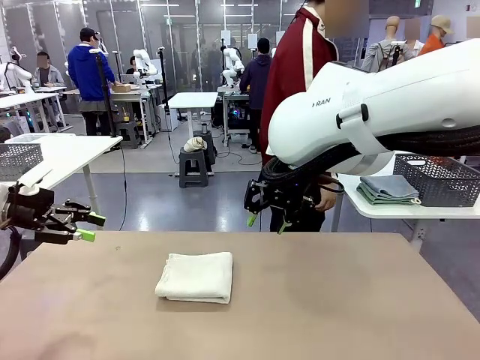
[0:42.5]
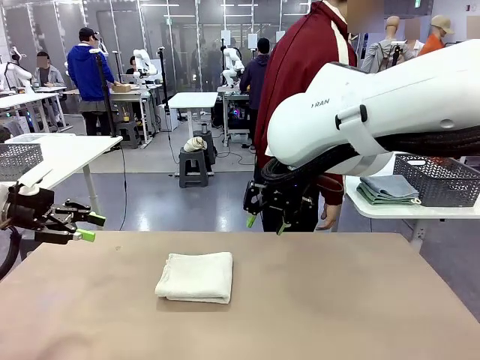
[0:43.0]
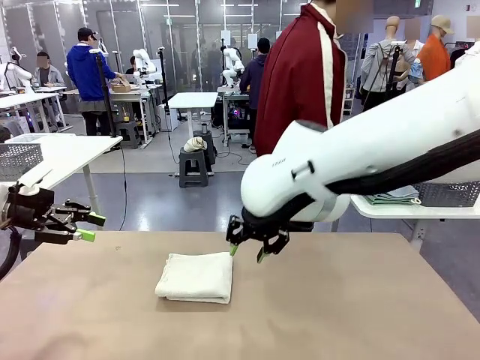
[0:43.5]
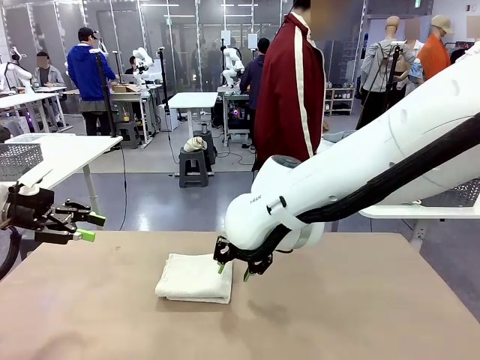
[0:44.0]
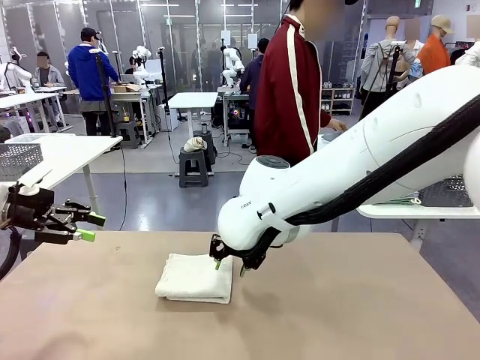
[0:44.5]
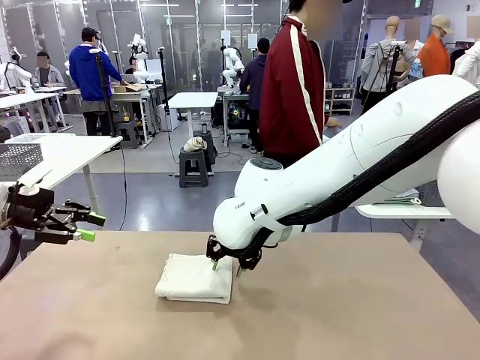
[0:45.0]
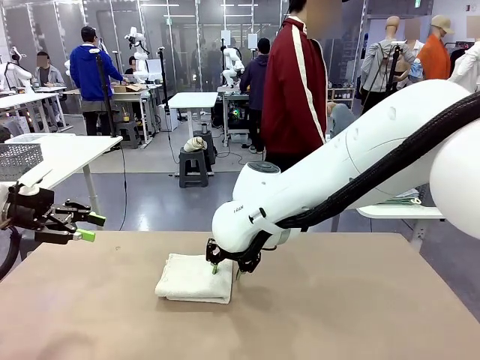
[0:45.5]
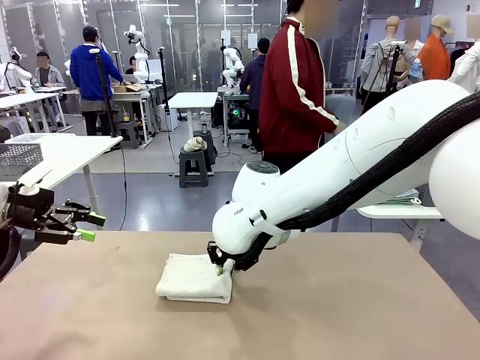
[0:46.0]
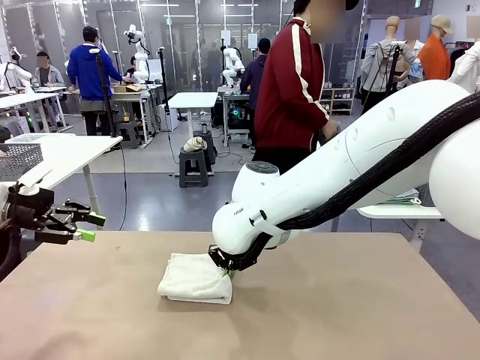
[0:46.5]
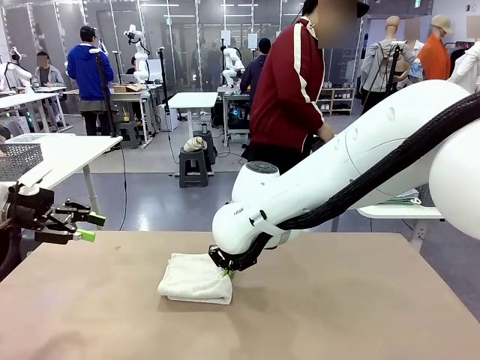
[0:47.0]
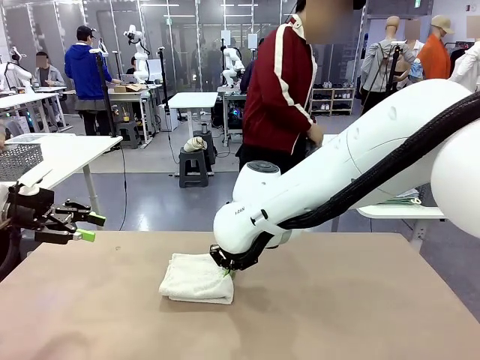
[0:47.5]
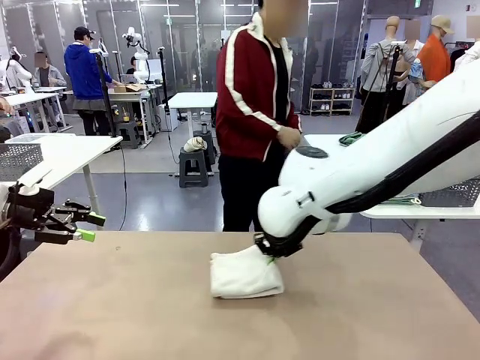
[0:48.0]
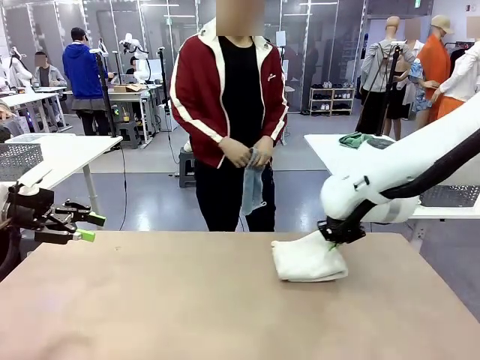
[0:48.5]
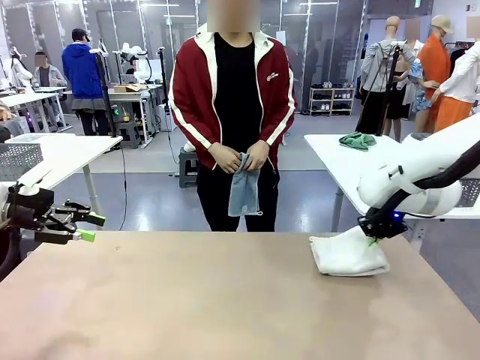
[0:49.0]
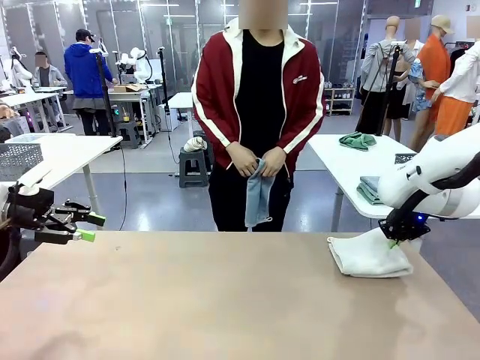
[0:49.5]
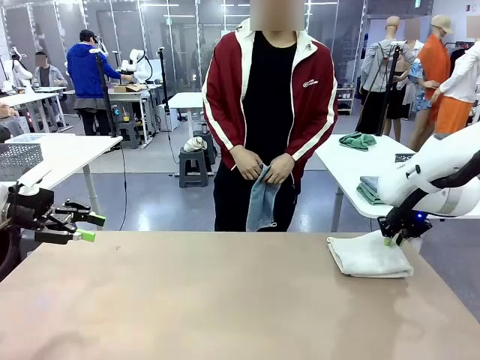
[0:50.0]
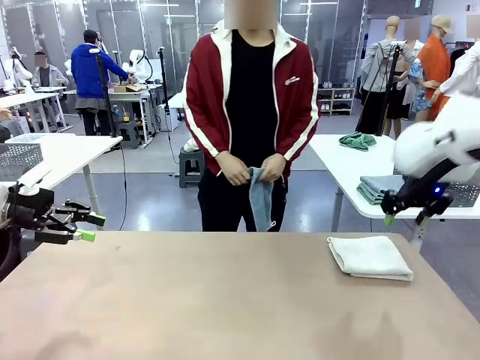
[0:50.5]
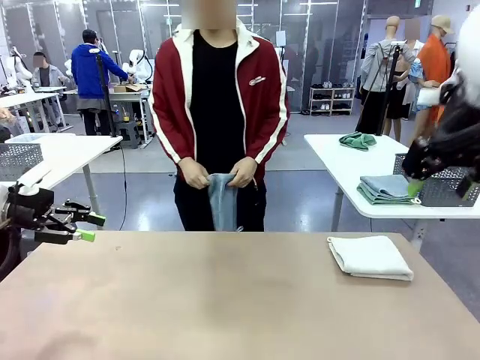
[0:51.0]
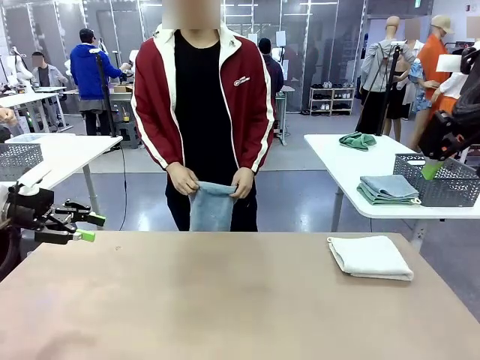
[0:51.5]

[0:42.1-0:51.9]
Task: Fold the towels and place them in the basket.
Robot: Place the folded Towel with hook on the right side of the table.
Person: Pick up one towel from the left side of the human table and spread it out at the center of the robot table.

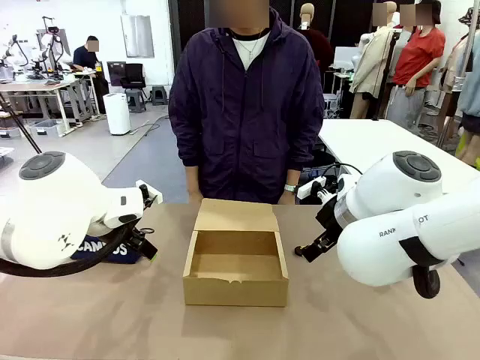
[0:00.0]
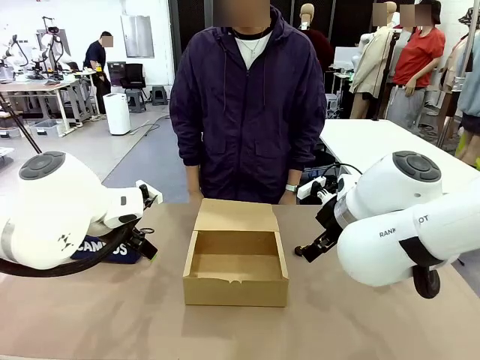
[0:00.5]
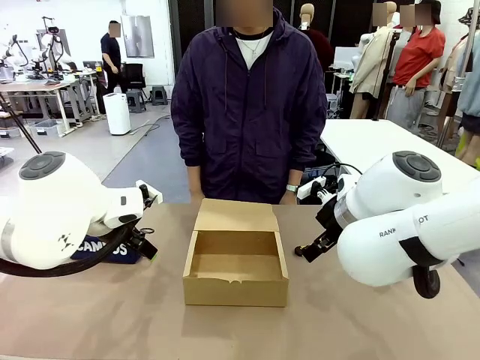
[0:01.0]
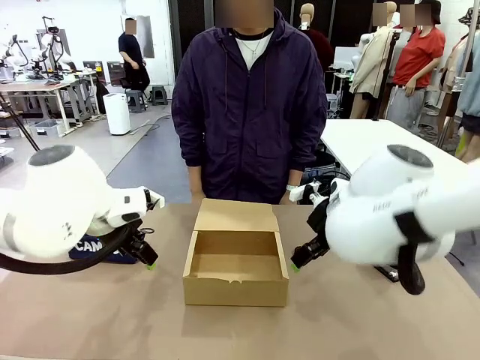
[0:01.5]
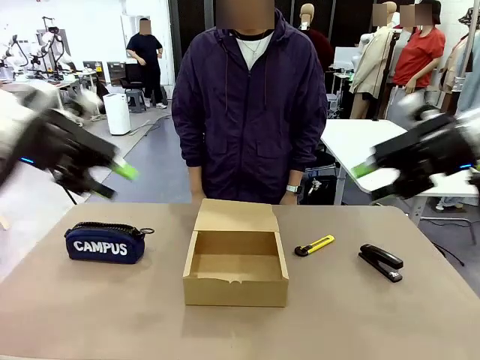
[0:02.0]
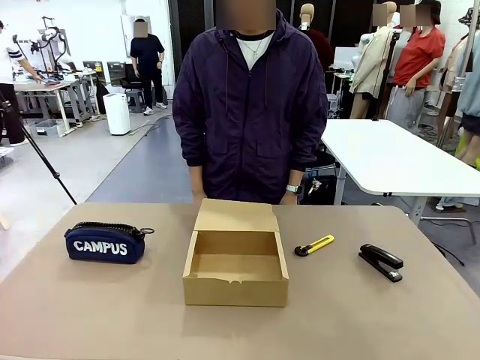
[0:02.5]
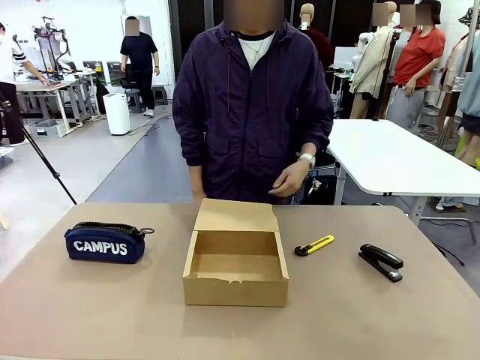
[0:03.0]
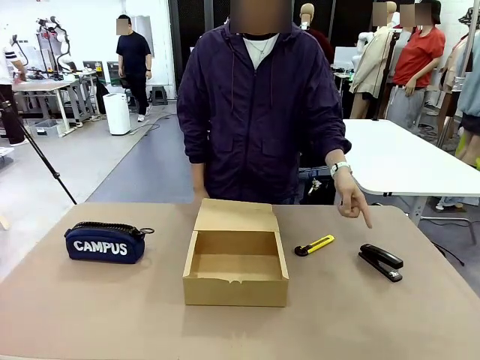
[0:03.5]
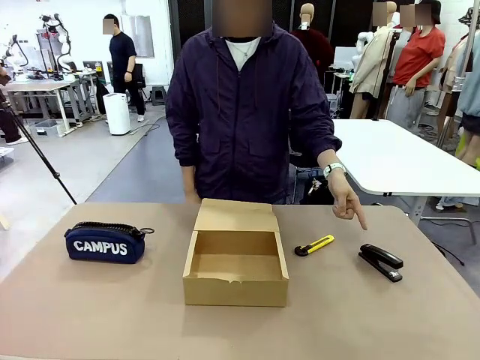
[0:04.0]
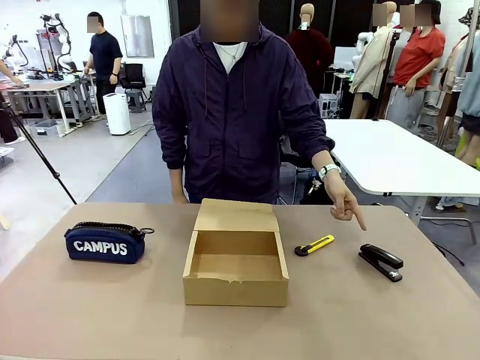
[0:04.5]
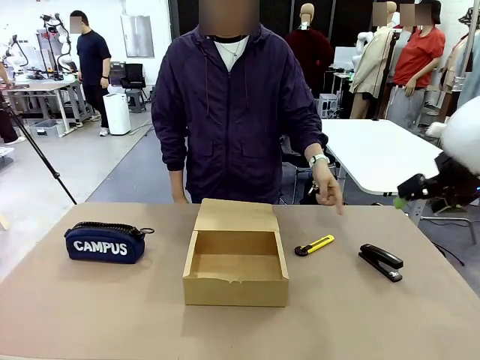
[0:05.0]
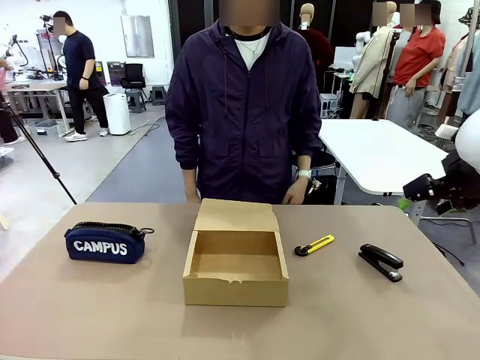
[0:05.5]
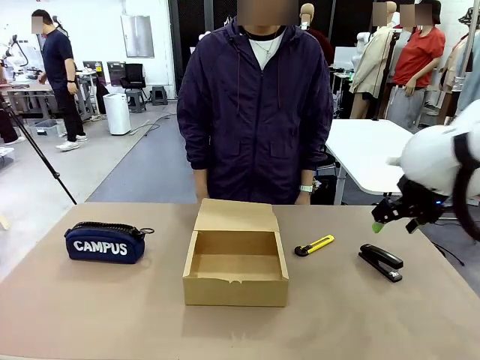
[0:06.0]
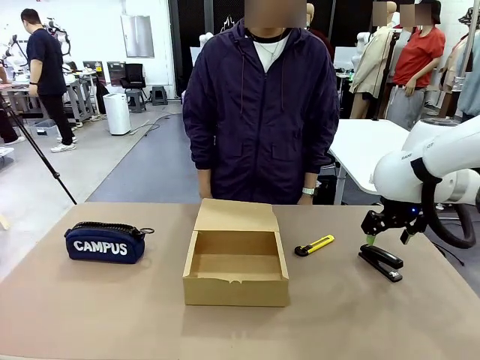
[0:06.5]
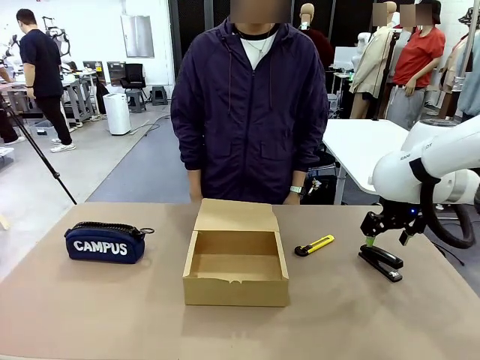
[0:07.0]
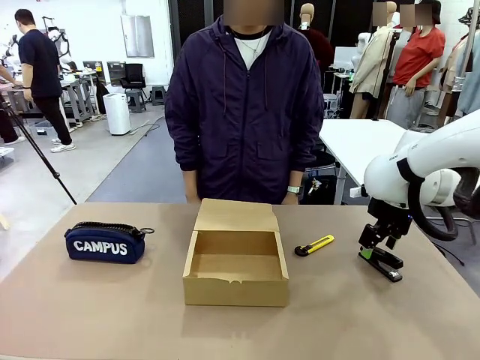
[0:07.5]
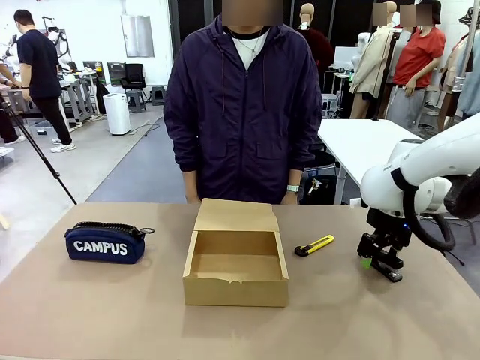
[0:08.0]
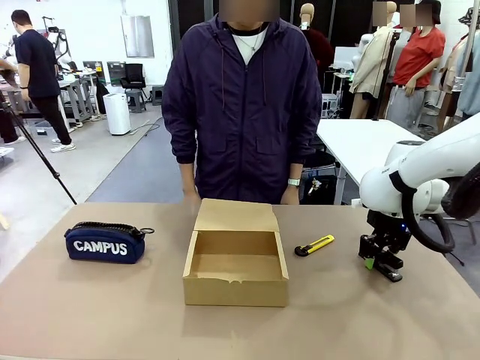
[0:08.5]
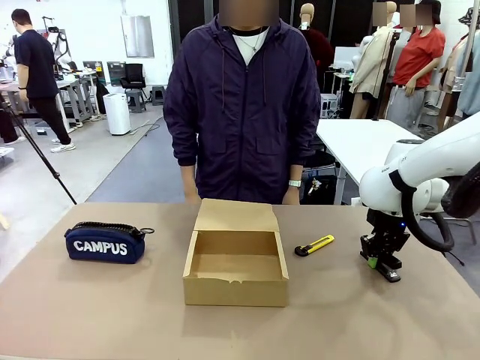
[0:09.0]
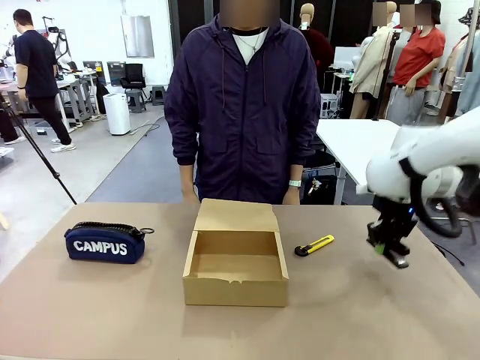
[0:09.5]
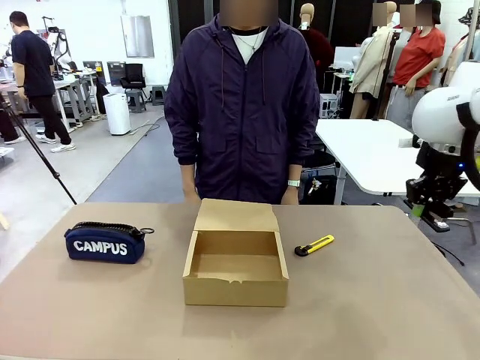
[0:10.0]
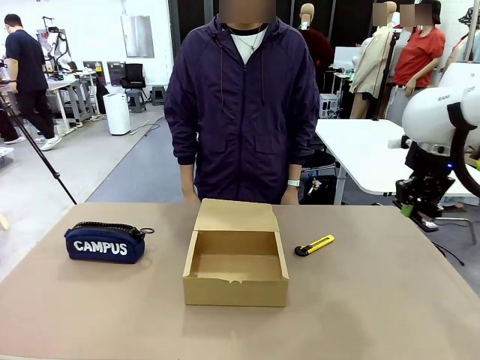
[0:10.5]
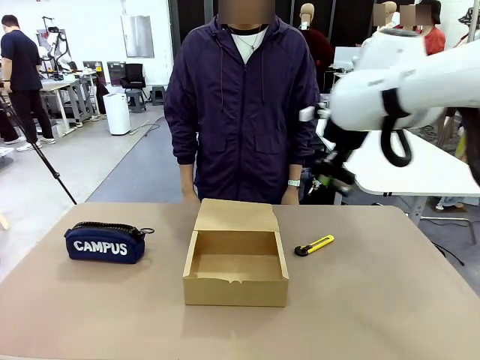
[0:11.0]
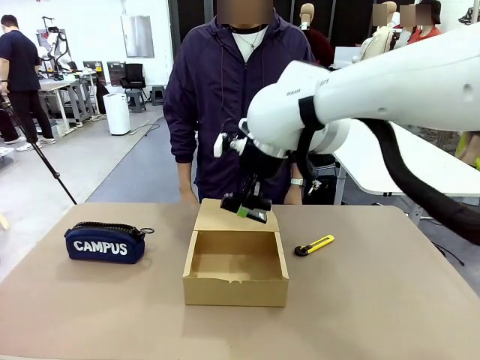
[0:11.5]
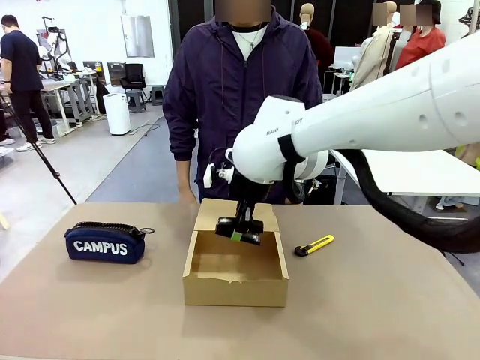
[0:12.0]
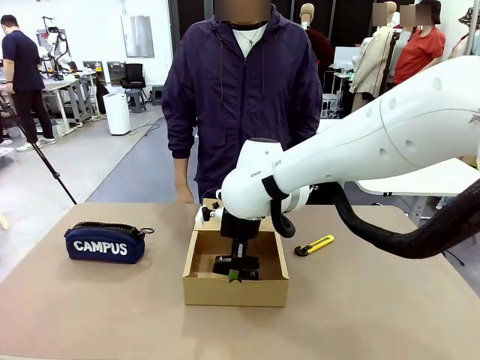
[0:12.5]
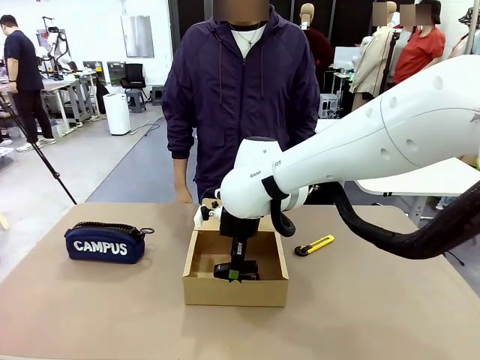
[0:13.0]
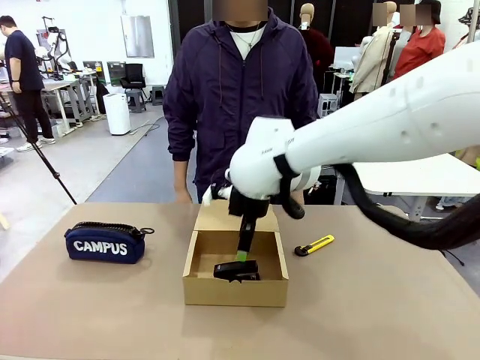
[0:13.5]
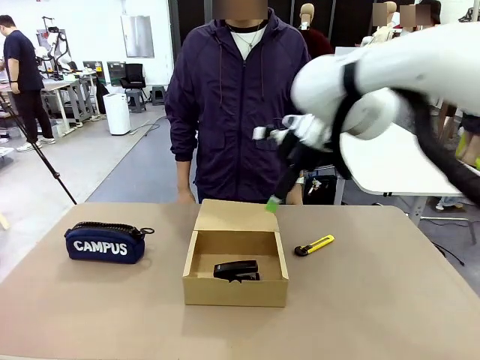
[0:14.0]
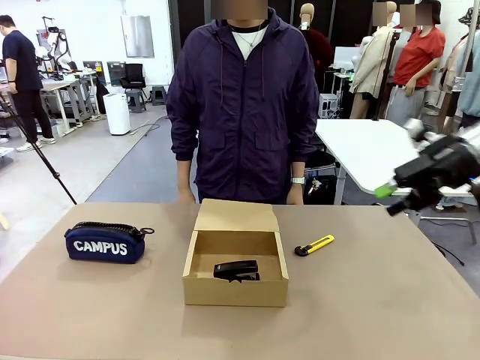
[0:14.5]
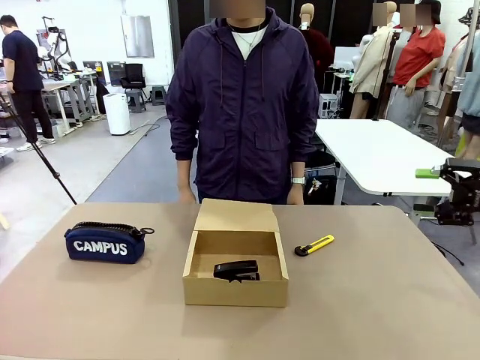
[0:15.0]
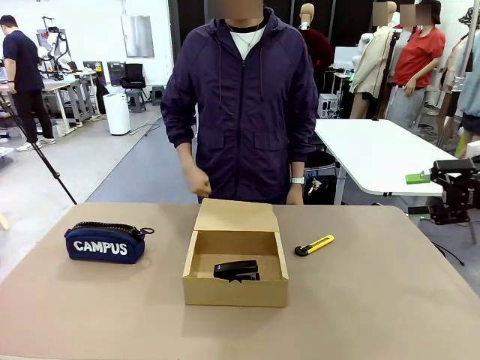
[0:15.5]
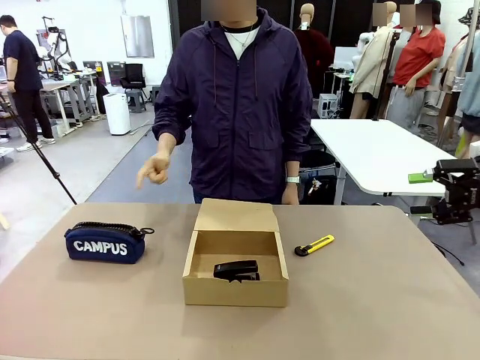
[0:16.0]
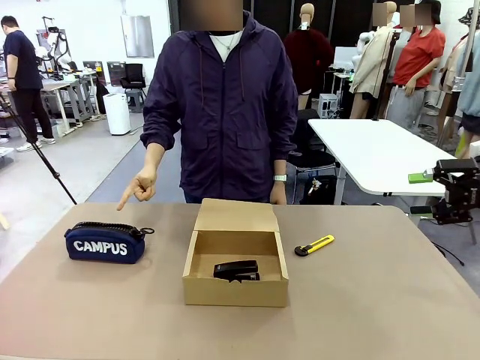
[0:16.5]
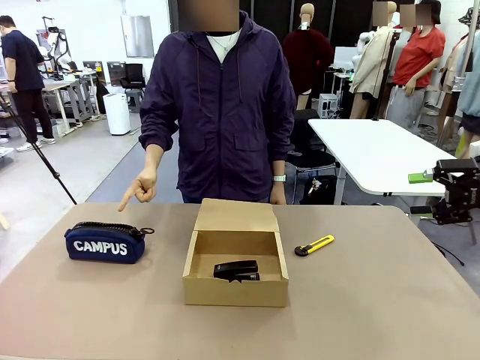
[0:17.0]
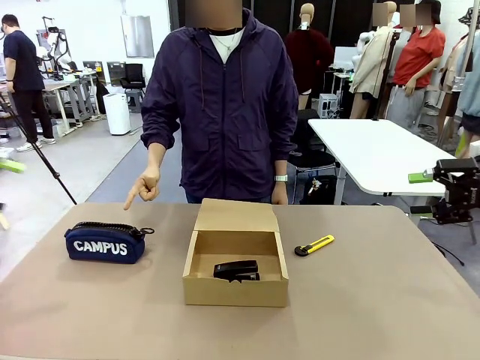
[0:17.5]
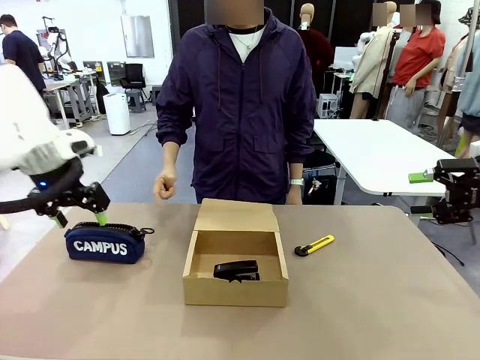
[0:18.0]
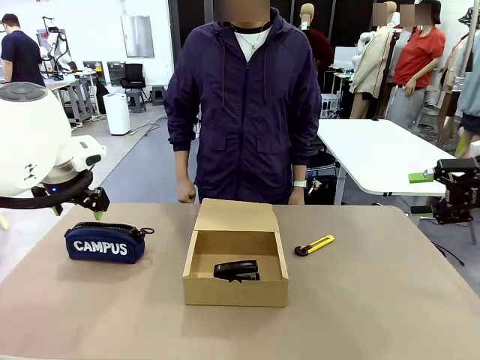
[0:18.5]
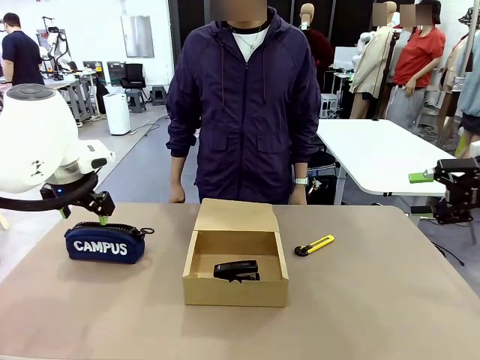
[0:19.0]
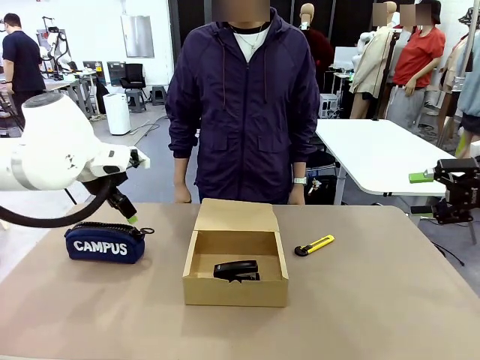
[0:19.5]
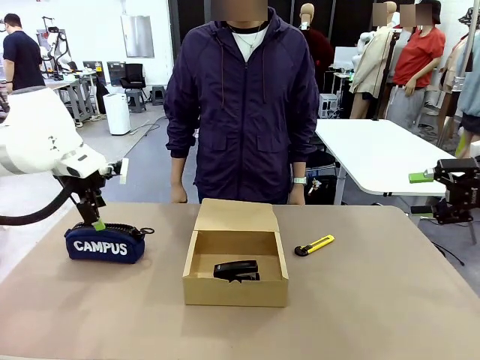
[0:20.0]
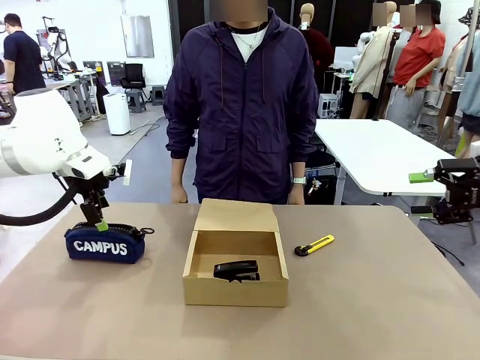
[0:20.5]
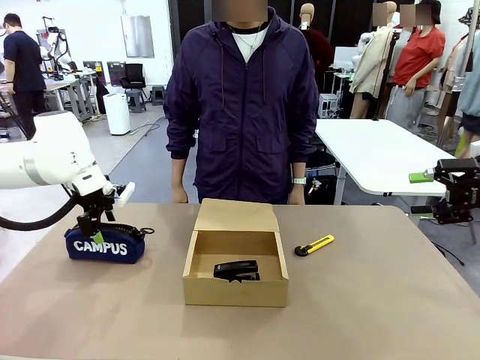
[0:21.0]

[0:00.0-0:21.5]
Task: Pack the items into the box.
Robot: Pick up the item indicated by the person and place it inside the Mailer Box.
Person: Point at one item on the table (excluding the box).
